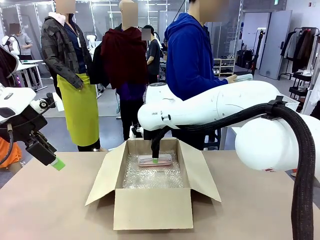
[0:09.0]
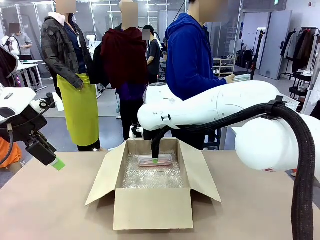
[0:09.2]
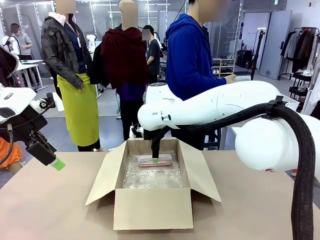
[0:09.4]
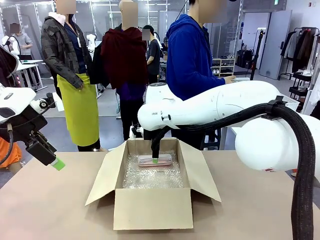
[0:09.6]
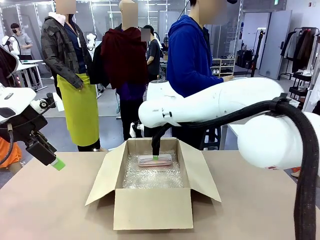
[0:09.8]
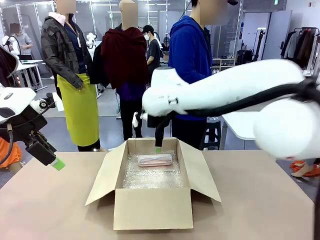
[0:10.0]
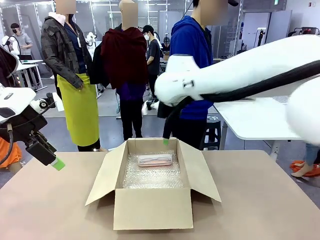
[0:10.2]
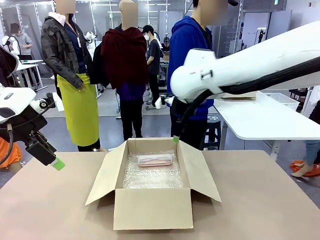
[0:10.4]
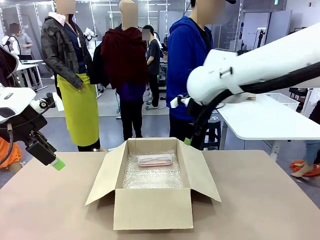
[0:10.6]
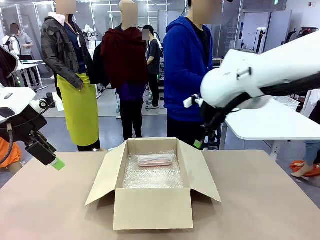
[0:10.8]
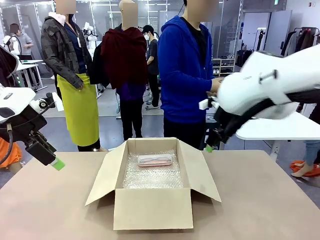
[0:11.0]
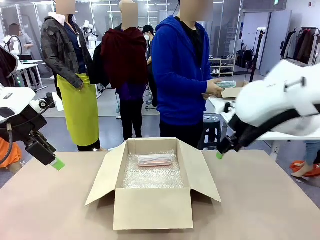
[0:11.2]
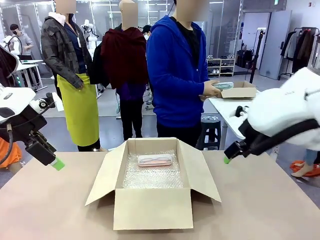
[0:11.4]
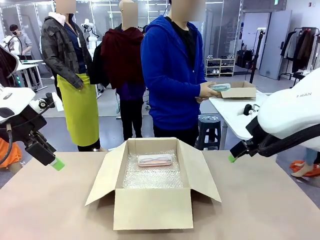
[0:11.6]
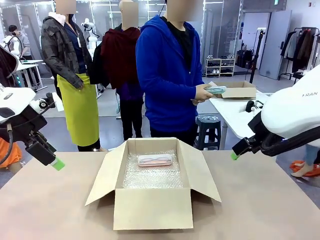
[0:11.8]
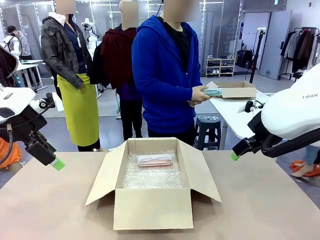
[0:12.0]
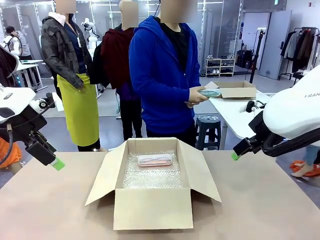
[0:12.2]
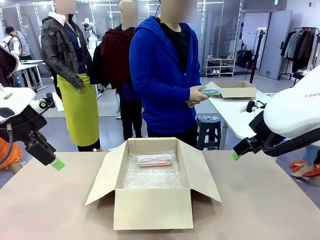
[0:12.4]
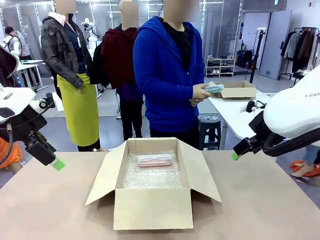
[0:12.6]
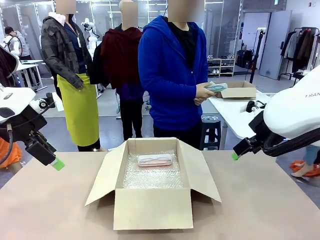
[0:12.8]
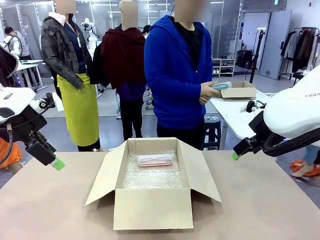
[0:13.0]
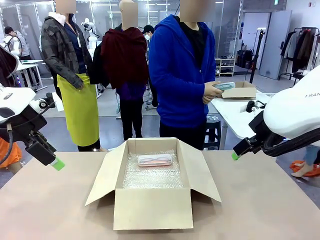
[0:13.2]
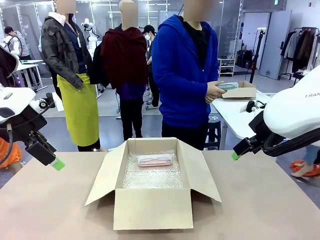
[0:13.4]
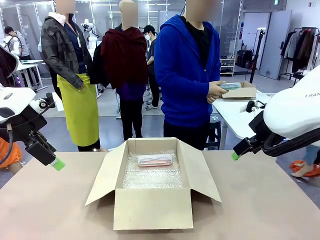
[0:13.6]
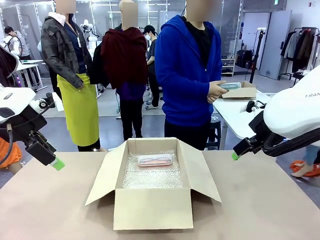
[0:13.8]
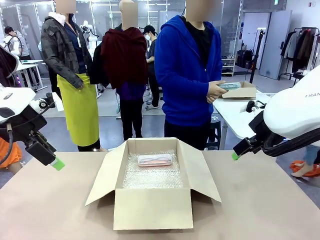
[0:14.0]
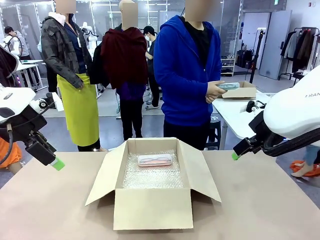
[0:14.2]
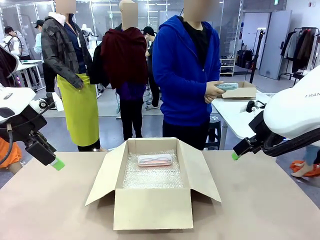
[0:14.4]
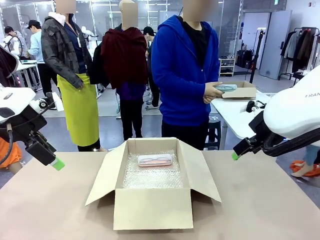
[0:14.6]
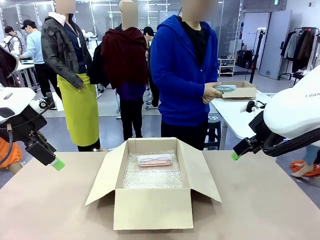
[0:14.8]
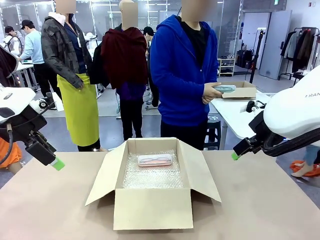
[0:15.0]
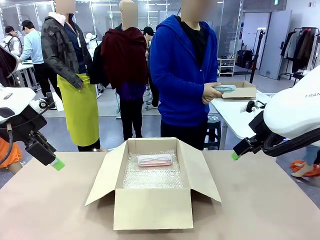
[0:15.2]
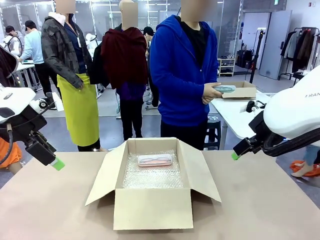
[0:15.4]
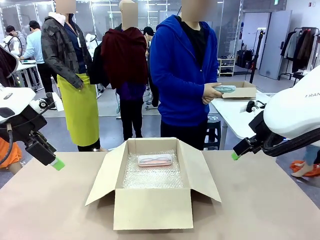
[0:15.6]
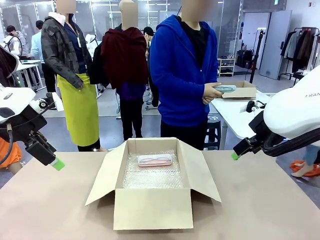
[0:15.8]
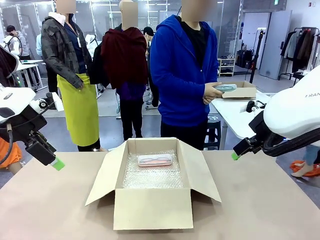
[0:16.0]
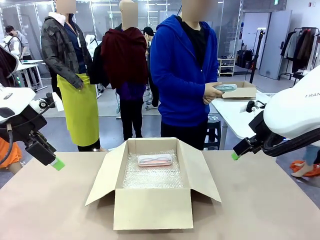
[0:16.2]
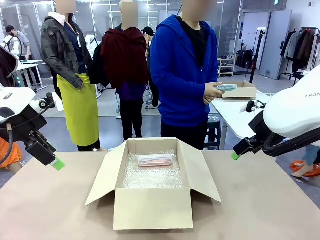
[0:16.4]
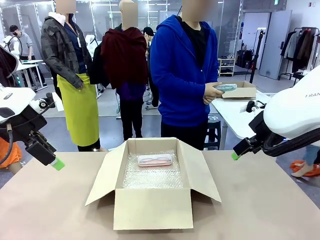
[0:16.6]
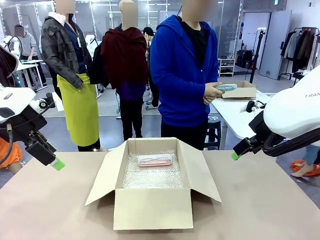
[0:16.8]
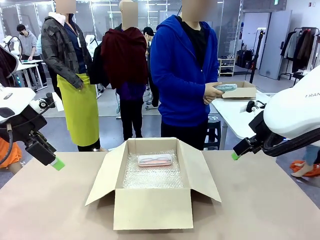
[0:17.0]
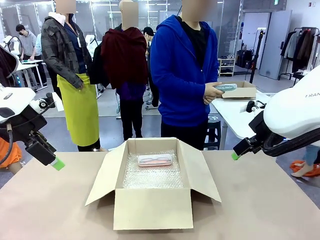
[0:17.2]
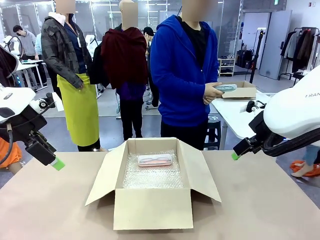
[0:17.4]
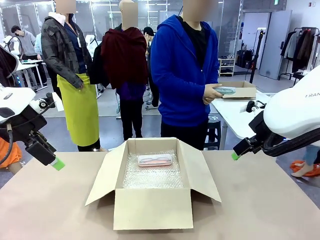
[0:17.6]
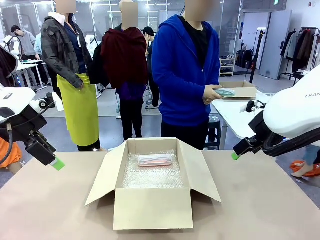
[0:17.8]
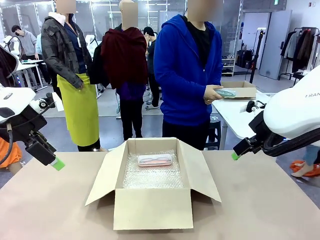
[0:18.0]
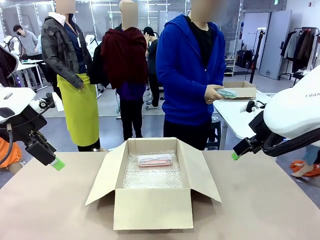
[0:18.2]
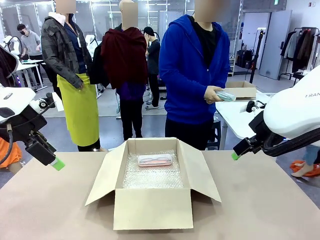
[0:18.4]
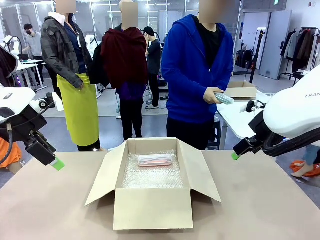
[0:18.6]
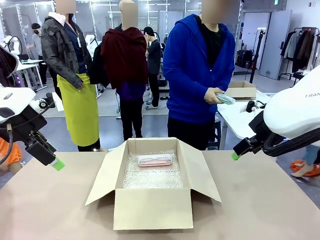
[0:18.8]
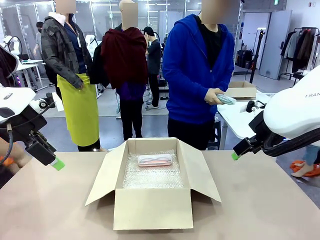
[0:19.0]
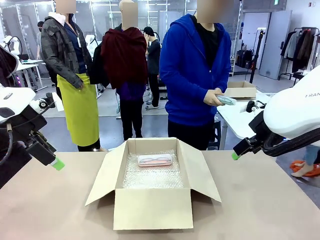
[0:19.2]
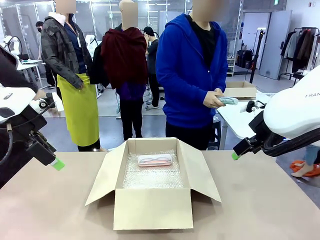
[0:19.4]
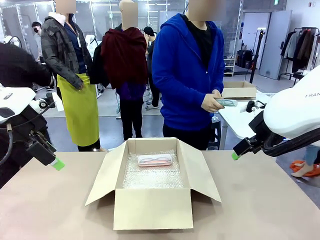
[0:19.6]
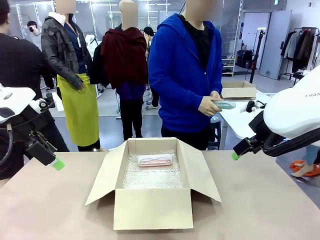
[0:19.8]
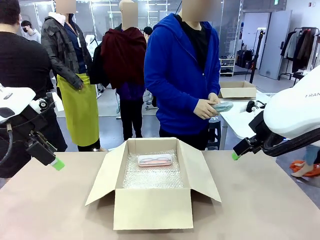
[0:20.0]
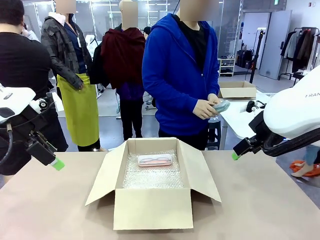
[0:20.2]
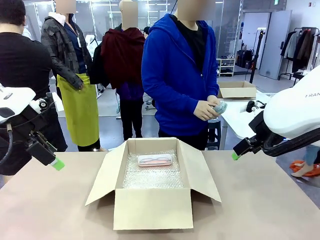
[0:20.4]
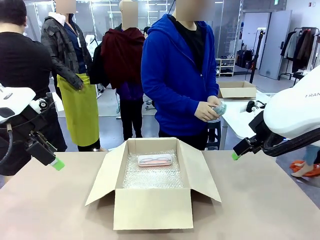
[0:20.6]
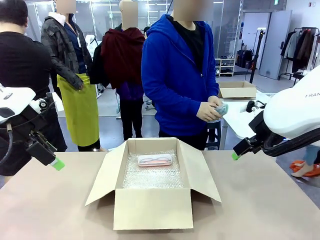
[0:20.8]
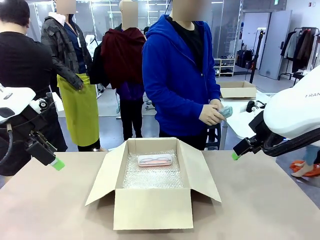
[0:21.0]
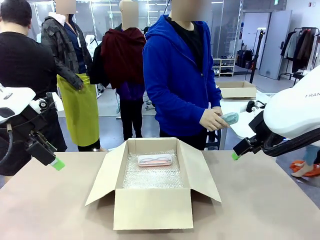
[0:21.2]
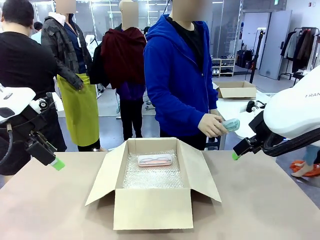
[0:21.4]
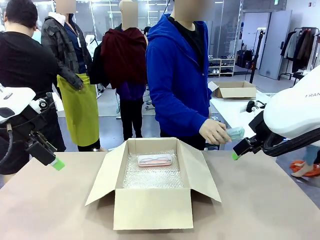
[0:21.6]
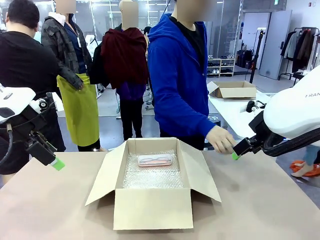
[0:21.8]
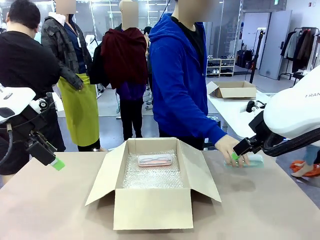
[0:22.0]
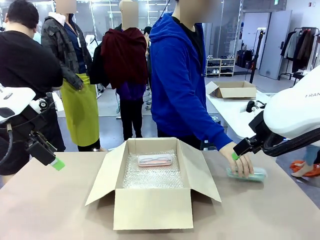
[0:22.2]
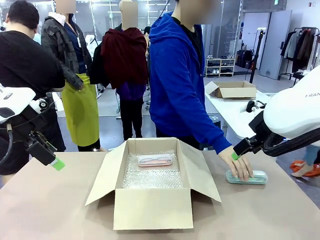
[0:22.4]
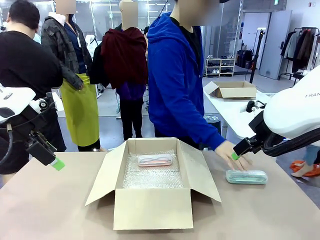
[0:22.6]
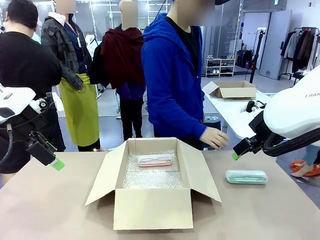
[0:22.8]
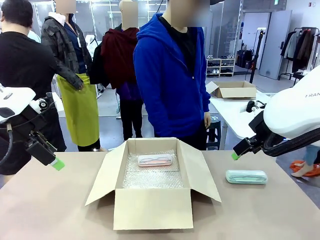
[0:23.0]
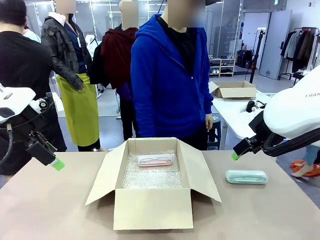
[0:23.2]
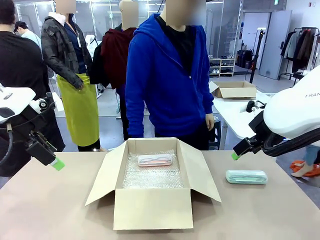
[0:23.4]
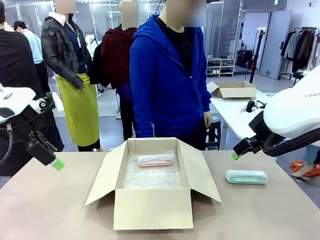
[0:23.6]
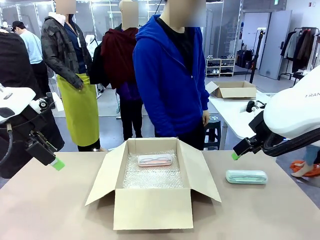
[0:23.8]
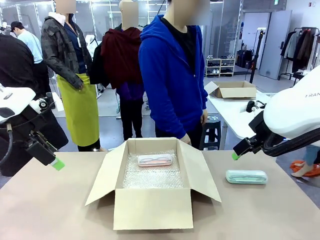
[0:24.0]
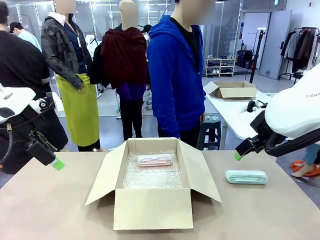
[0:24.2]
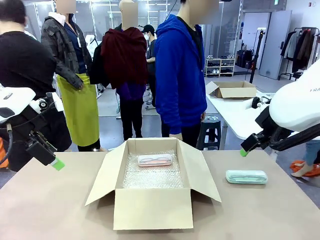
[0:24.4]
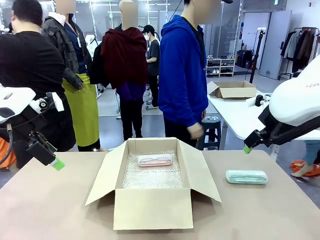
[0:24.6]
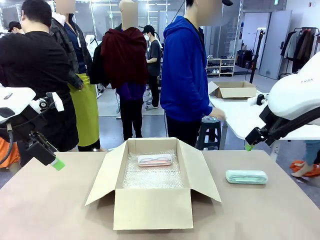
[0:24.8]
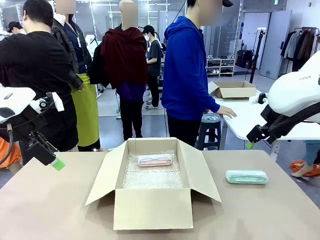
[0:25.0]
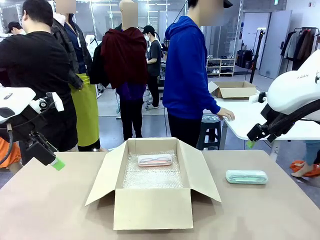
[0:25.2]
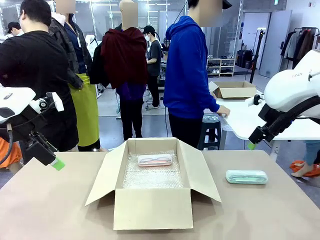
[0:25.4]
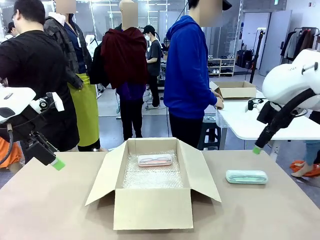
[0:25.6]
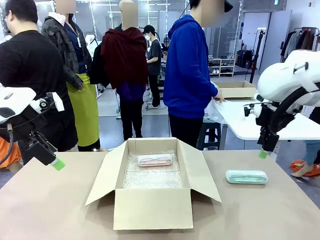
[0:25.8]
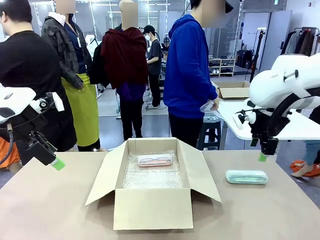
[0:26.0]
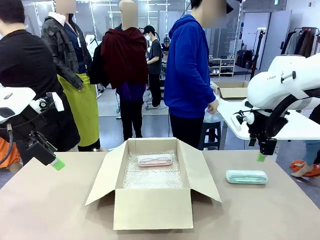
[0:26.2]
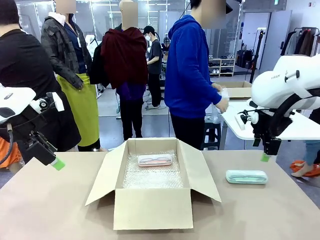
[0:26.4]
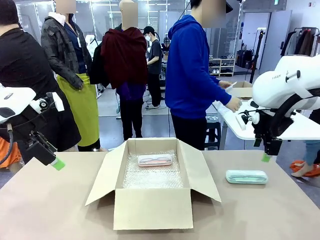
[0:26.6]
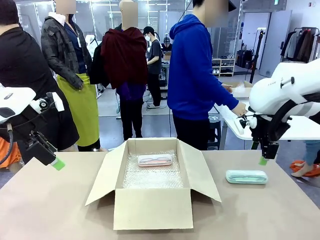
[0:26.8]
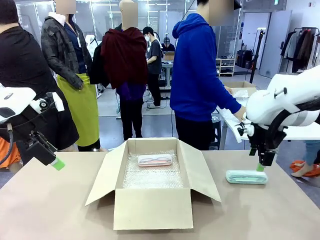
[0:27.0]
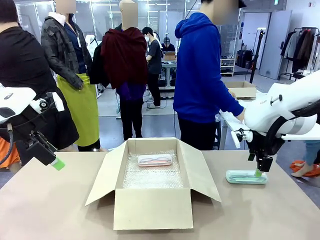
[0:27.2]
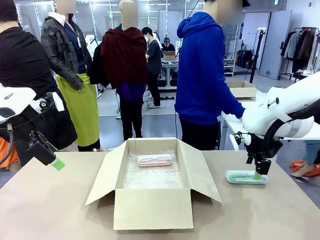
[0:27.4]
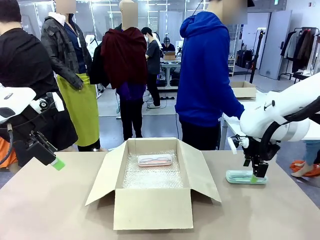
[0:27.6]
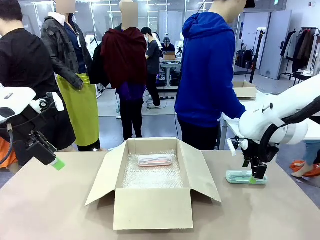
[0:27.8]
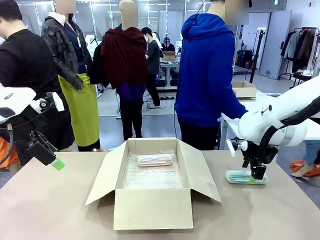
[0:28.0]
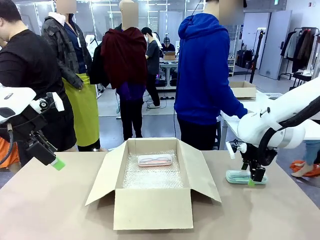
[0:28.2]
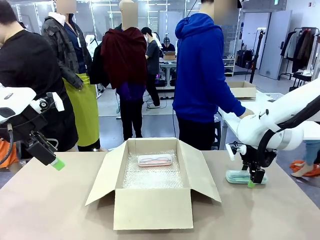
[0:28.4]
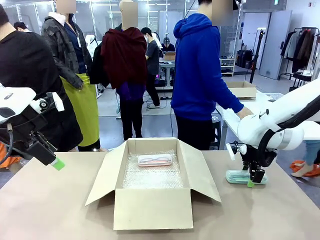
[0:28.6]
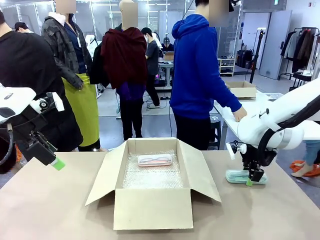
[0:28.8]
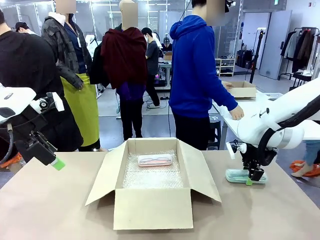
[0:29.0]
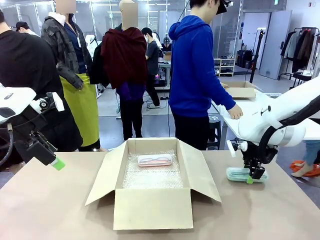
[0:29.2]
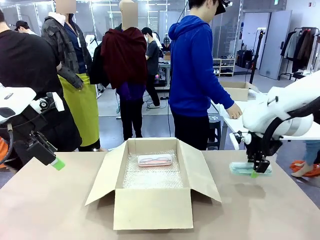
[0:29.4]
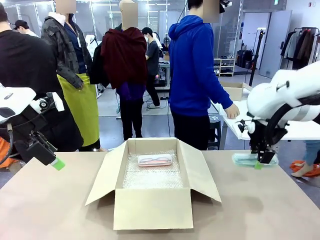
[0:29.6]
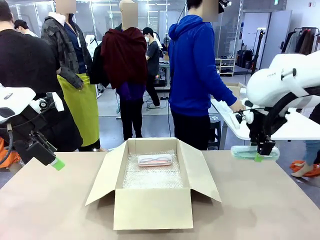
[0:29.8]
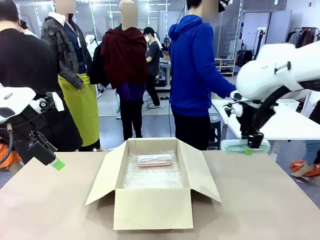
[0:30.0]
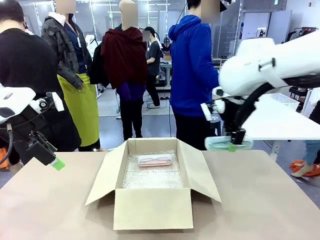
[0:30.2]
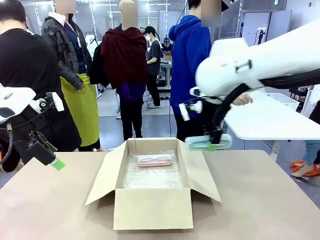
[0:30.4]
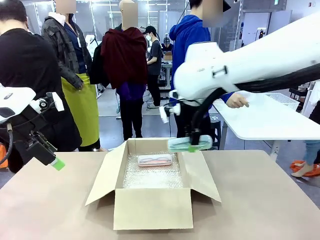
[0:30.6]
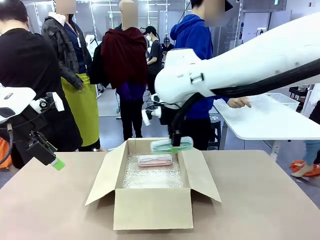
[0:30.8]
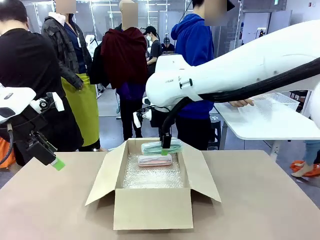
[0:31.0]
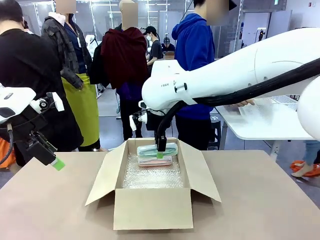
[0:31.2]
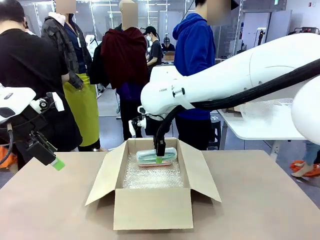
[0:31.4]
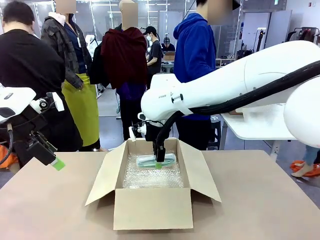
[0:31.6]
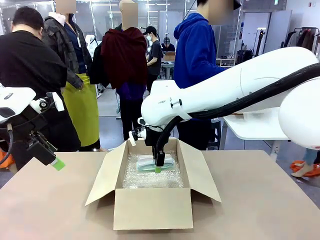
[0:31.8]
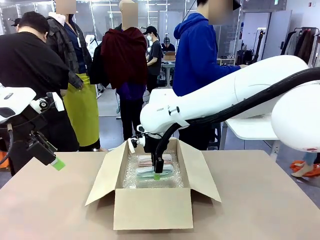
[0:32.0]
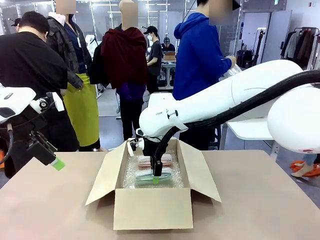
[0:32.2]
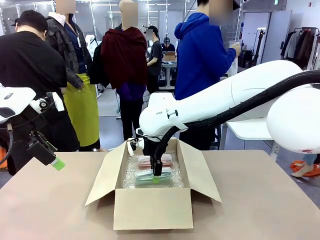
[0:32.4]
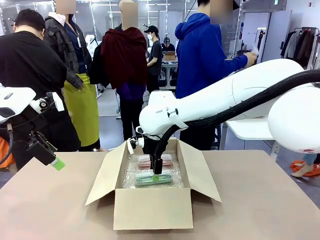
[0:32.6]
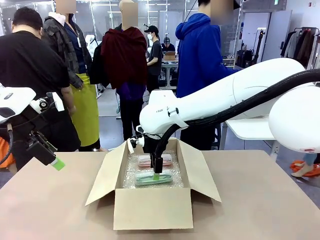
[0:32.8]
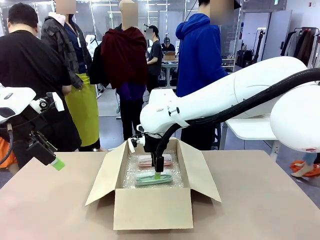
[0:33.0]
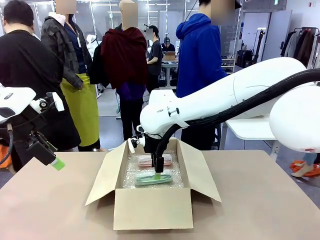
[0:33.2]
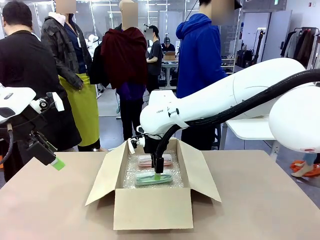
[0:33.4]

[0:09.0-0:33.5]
Task: Pack the glasses set securely to prepare it for shipping.
Robot: Put the Glasses case from the right side of the table into the Package Box.
Person: Position the Glasses case on the left side of the robot's table.
